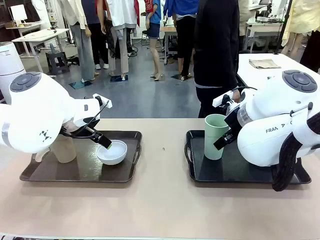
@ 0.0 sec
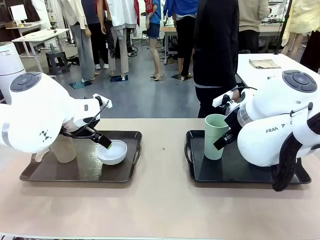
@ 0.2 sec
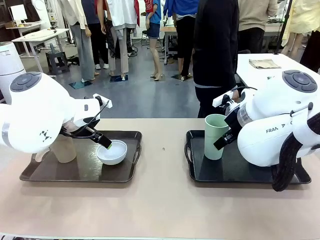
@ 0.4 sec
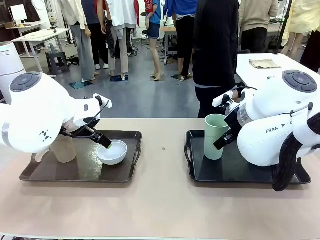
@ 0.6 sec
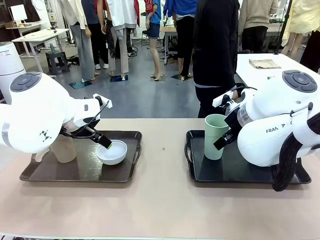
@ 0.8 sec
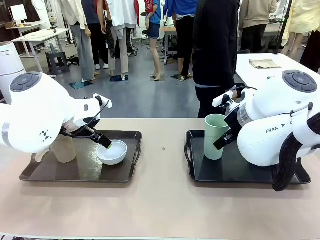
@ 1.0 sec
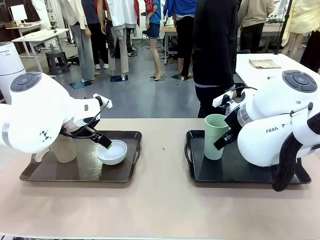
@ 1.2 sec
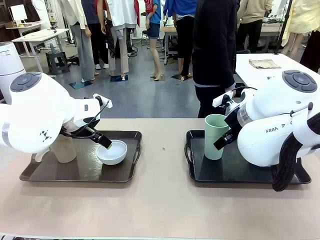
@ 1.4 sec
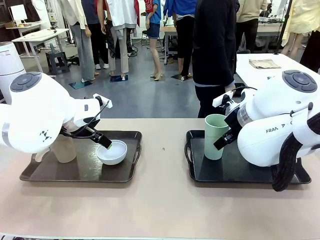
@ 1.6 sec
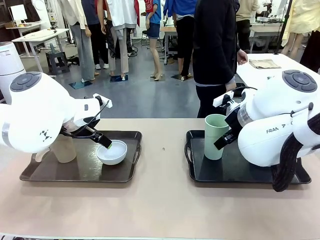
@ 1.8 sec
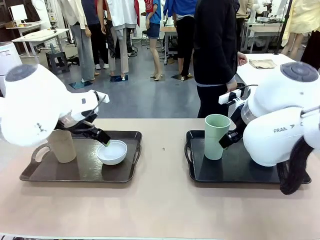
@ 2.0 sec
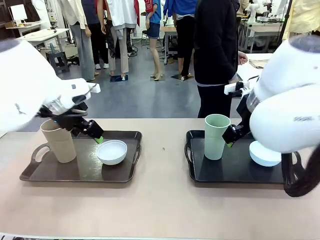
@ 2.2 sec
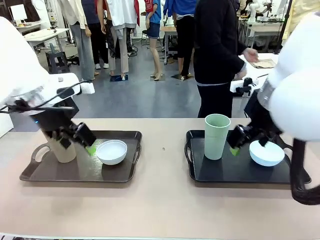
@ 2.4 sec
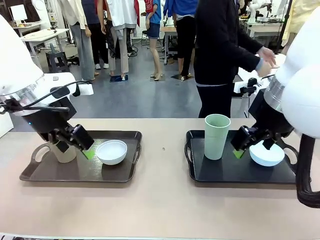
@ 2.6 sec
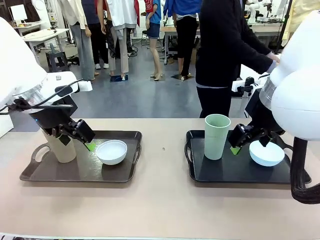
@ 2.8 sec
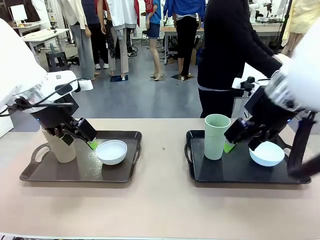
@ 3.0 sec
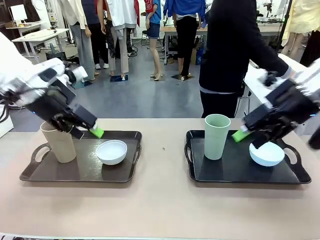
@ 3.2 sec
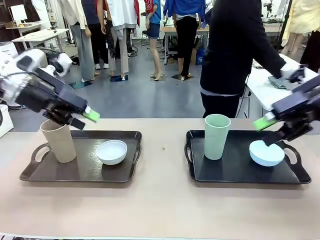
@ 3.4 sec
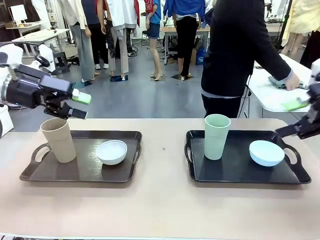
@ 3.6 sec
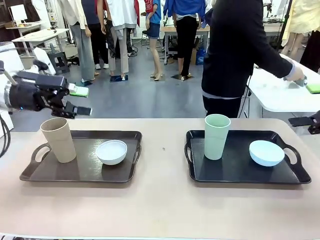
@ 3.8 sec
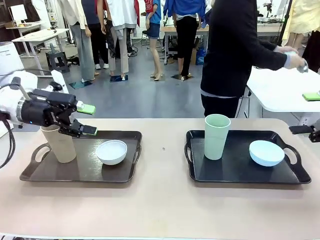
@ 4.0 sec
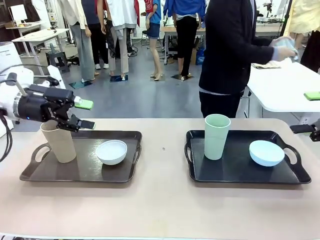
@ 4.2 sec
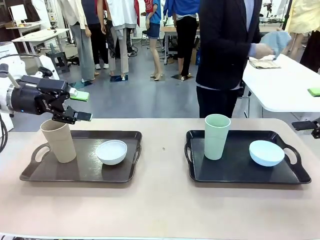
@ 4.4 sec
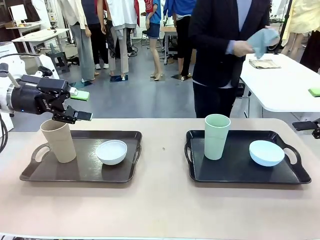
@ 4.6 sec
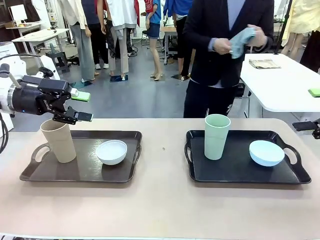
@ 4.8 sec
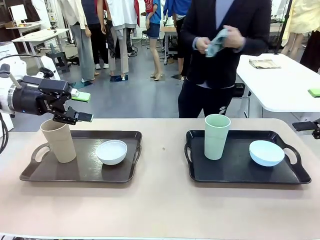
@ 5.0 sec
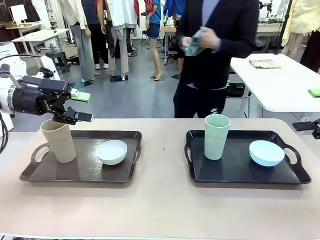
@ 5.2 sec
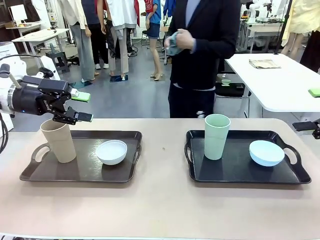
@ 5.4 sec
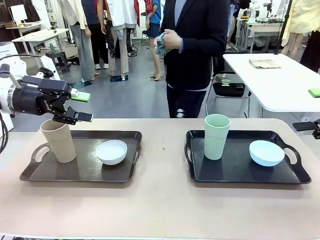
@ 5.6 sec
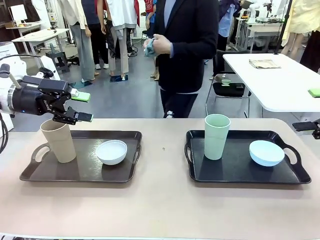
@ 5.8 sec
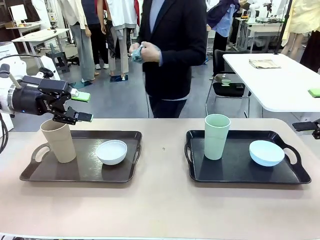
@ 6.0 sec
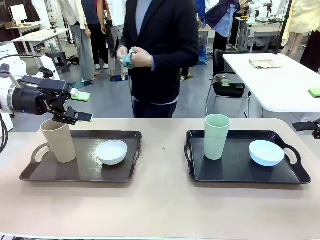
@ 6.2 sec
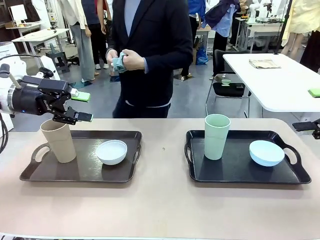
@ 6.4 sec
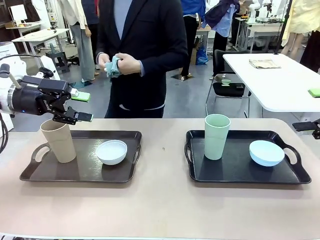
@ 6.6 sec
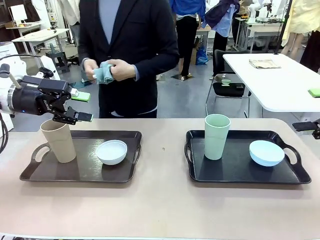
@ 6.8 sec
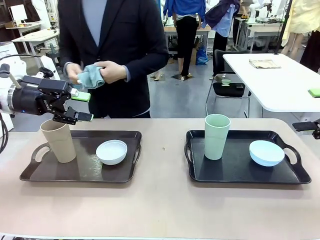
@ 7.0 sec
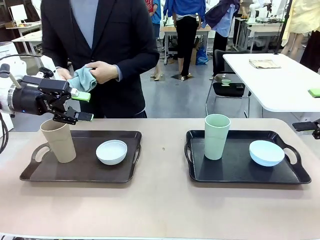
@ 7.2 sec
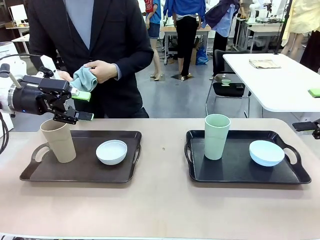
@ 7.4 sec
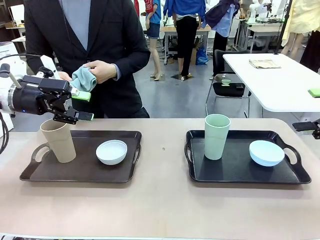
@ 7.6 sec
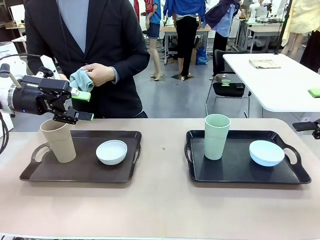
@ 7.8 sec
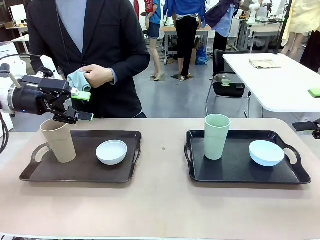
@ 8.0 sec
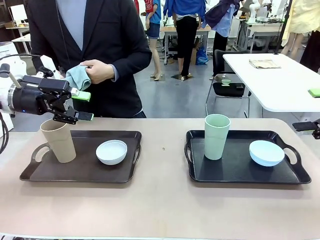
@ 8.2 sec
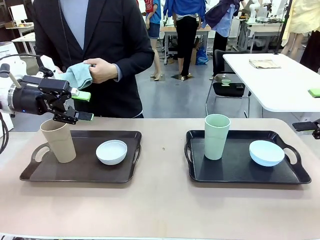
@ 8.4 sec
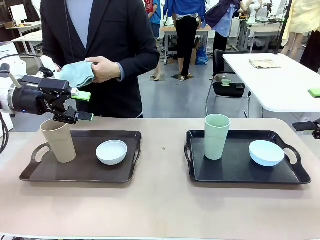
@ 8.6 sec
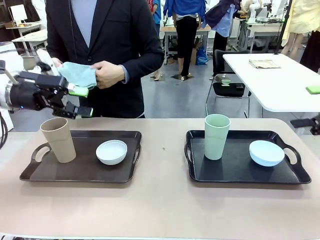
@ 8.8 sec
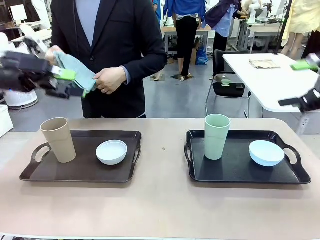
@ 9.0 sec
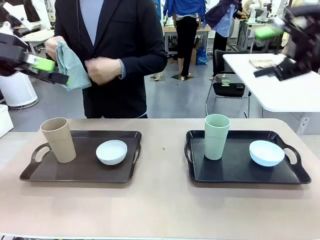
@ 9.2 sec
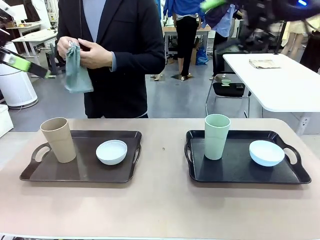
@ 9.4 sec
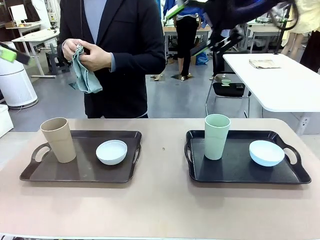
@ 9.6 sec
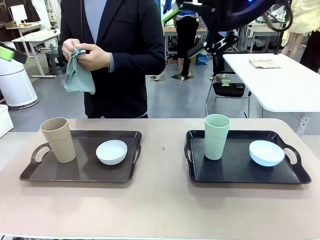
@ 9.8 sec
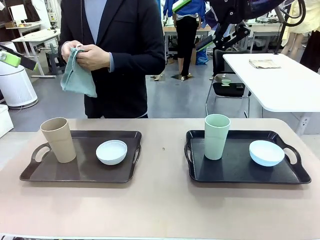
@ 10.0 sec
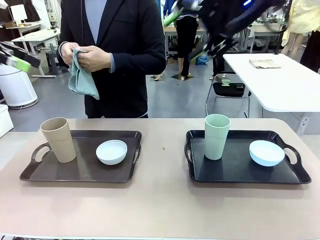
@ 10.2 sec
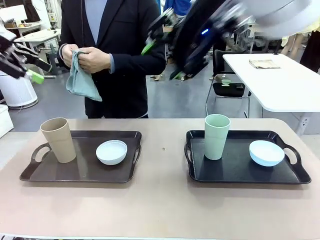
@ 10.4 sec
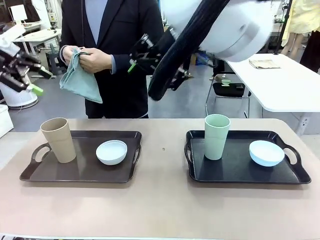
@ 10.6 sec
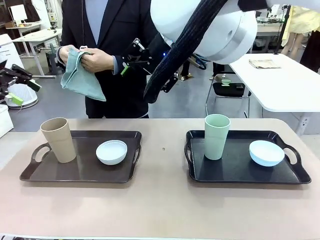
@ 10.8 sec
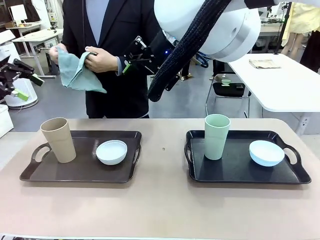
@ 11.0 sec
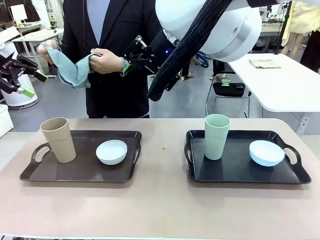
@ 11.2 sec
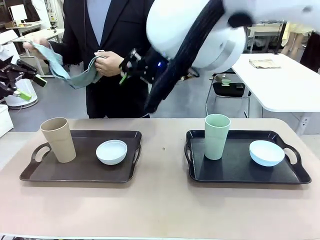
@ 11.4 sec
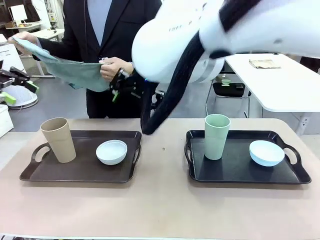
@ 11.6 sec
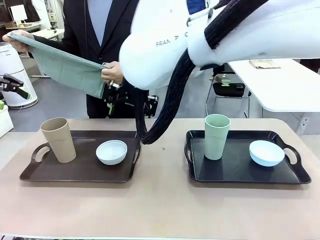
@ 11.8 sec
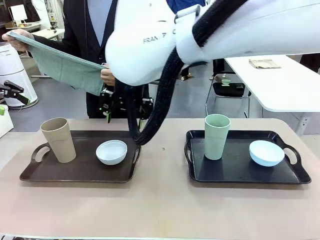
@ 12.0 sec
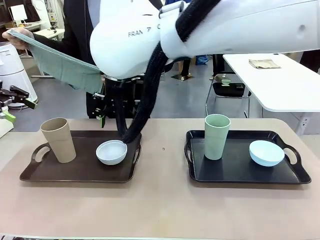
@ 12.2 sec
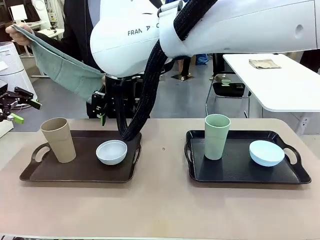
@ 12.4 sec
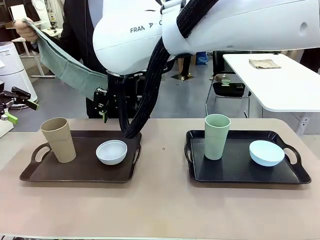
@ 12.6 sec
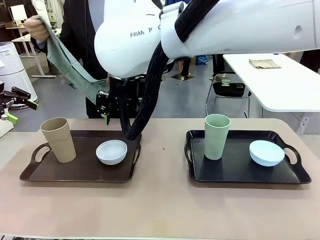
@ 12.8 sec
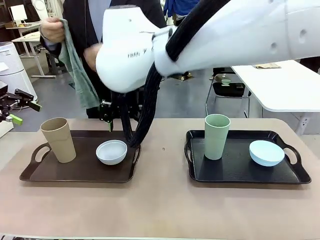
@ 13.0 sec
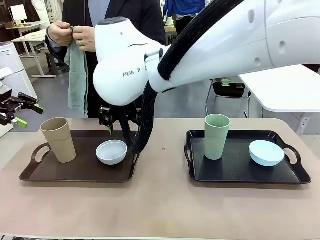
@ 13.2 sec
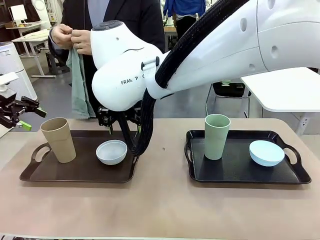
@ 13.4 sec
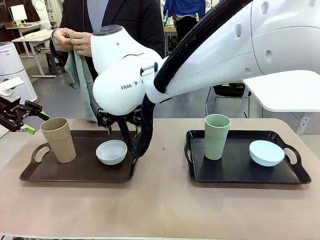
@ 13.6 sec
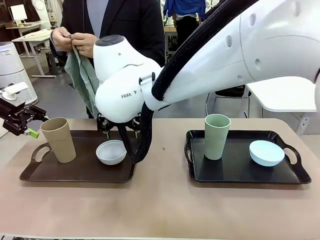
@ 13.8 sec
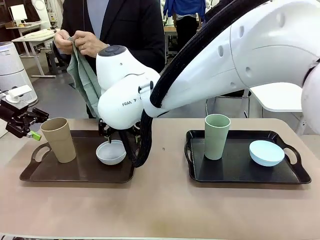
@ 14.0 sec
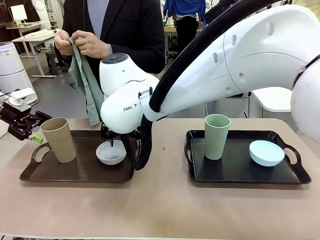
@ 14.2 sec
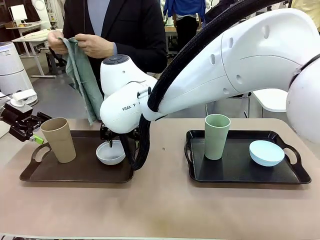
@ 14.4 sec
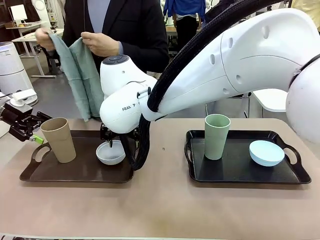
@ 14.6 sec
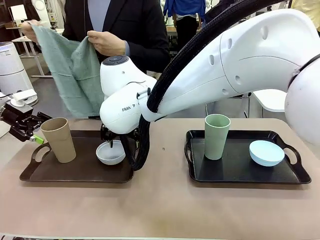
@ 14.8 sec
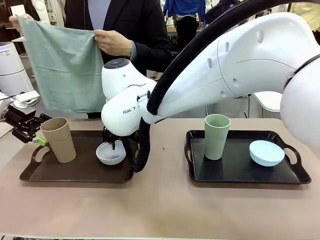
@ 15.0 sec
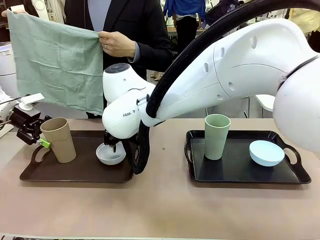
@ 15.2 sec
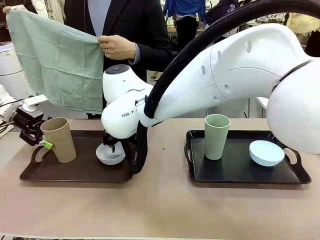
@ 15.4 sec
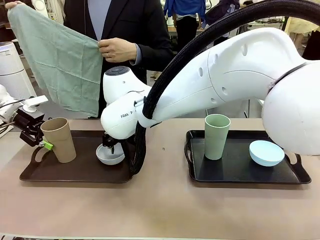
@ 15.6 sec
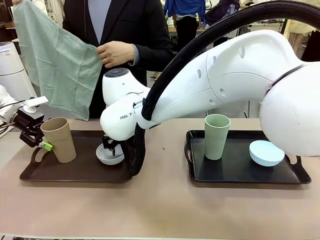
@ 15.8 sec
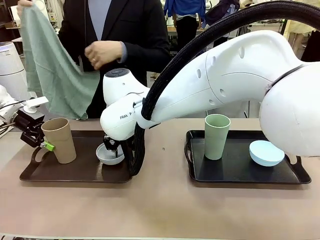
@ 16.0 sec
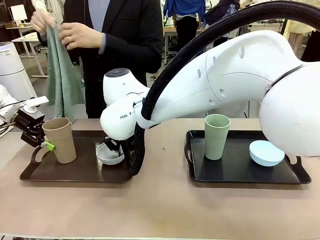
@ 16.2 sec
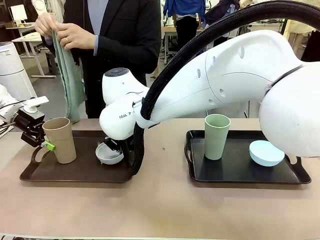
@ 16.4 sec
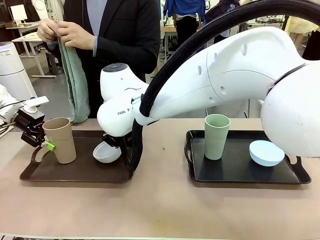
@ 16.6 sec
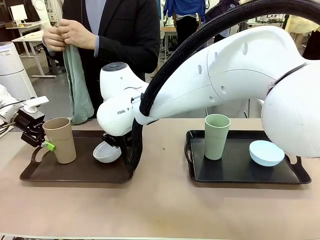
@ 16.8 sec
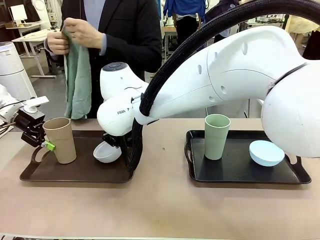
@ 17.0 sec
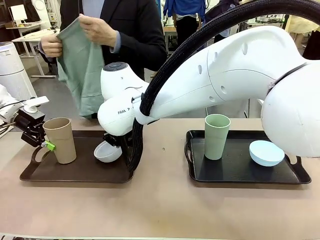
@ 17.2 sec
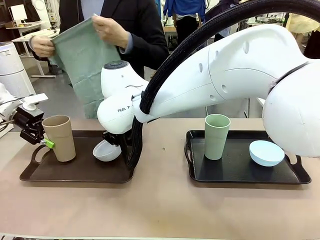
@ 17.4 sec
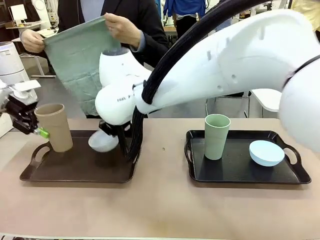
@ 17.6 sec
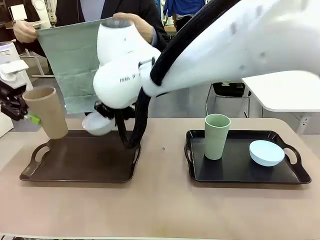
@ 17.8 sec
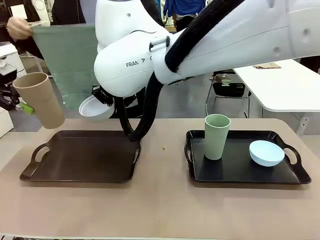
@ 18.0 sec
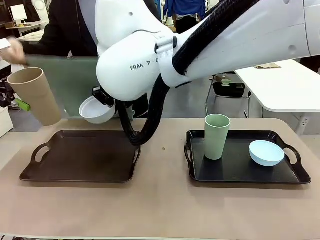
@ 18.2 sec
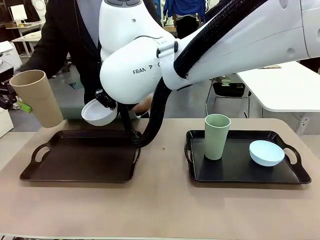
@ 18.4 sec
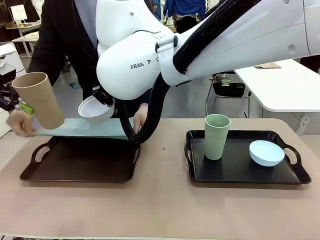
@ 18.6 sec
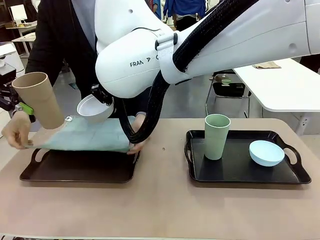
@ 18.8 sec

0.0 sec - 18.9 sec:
Robot: Pick up the Picnic Bowl and Reusable plastic cup from the Handle tray in front of the human's position and hold them in the air.
Person: The human picks up the top napkin from the stack on the human table and walks to the robot table to stand in front of one of the two trays. When the robot lifts the bowl and the cup, the human unfolds the napkin and lays the napkin flat on the tray.
